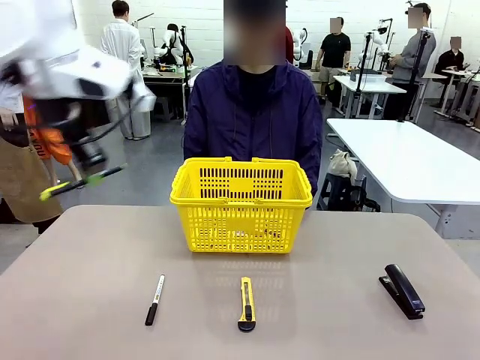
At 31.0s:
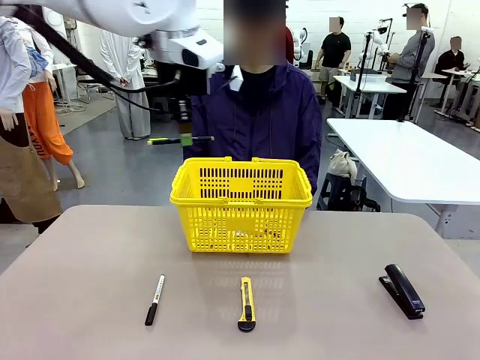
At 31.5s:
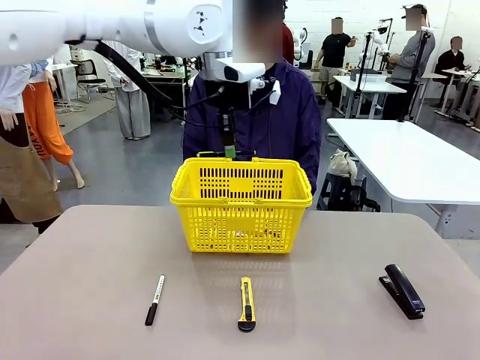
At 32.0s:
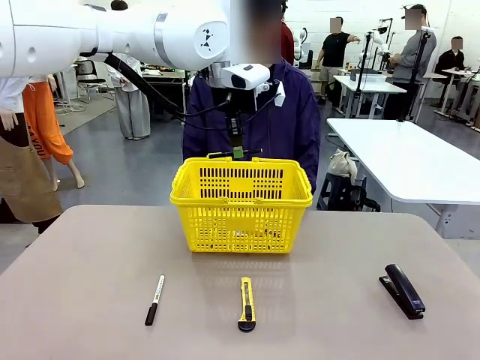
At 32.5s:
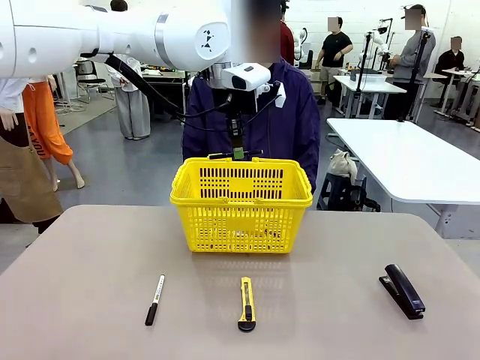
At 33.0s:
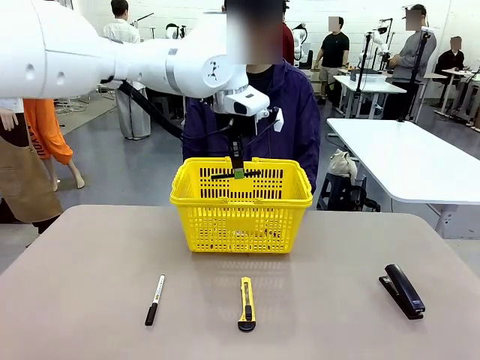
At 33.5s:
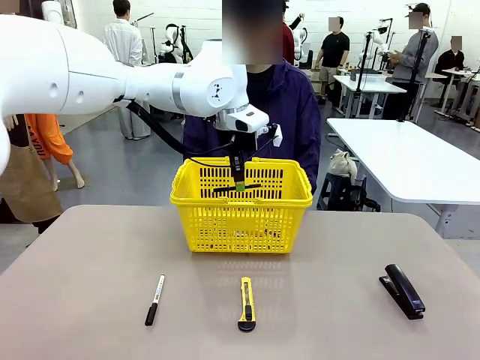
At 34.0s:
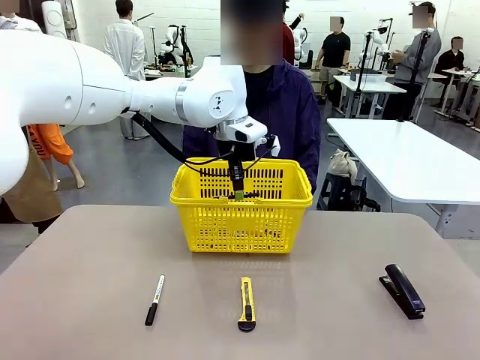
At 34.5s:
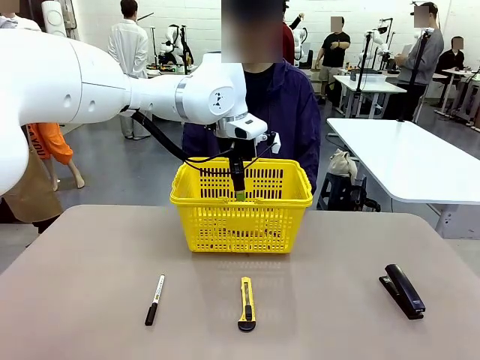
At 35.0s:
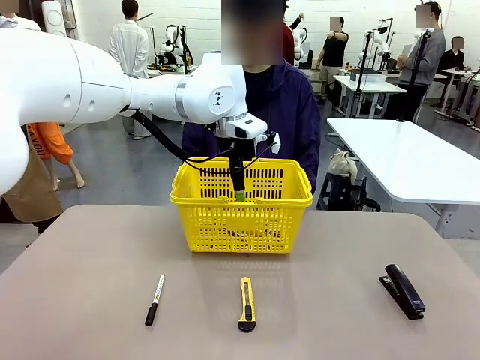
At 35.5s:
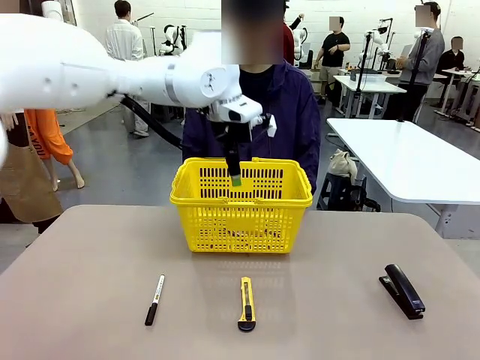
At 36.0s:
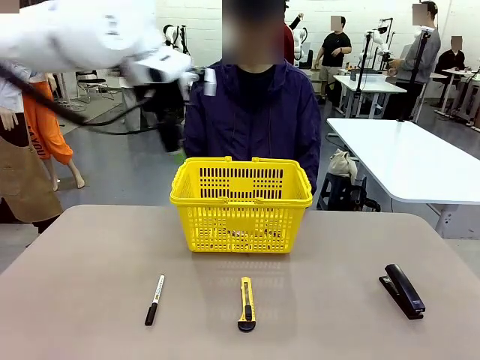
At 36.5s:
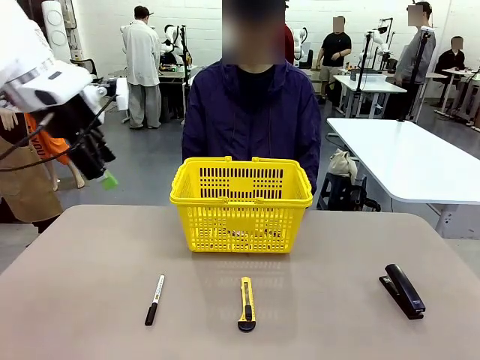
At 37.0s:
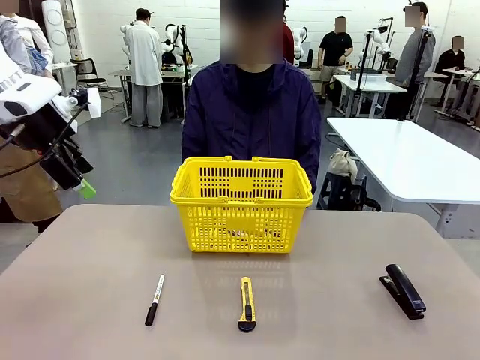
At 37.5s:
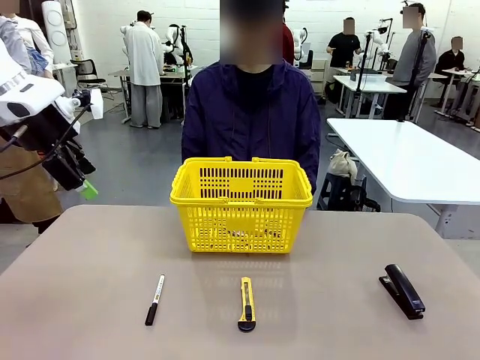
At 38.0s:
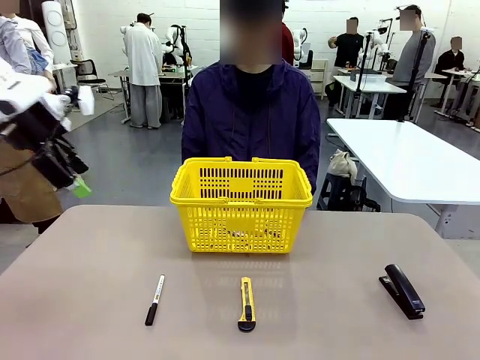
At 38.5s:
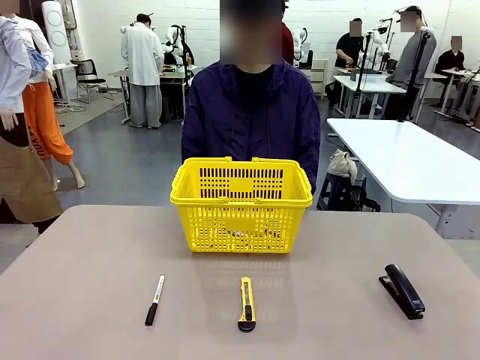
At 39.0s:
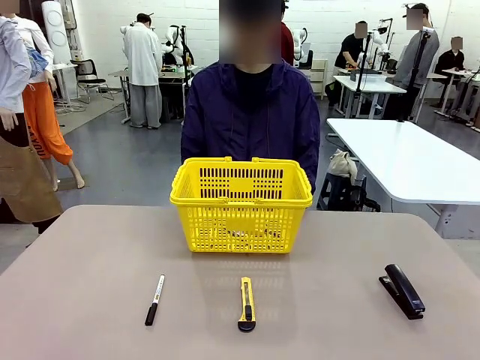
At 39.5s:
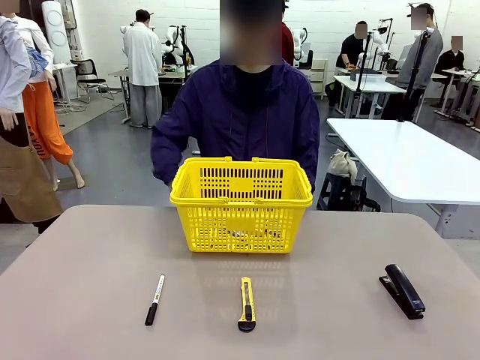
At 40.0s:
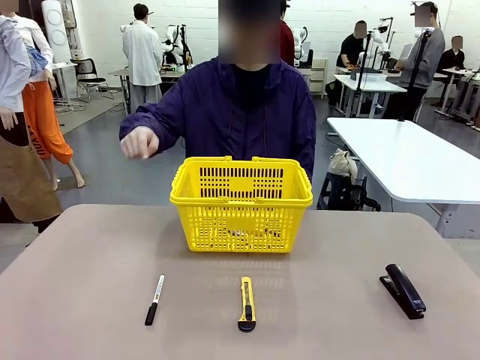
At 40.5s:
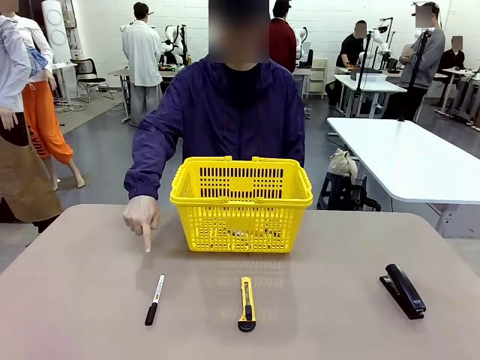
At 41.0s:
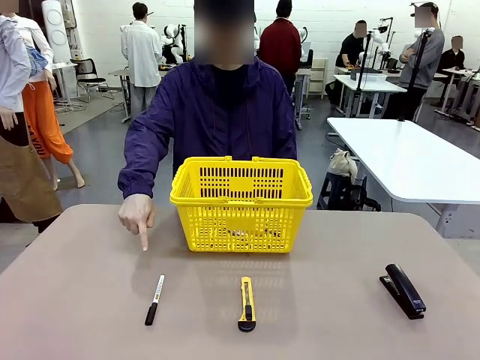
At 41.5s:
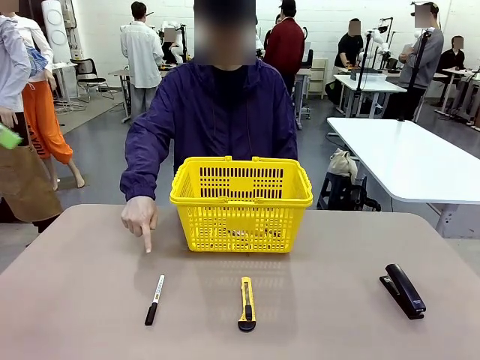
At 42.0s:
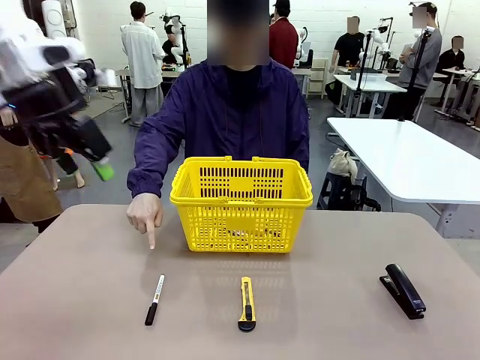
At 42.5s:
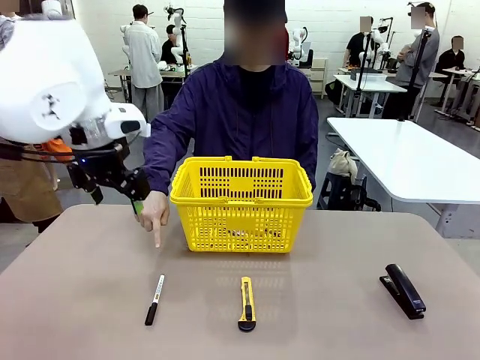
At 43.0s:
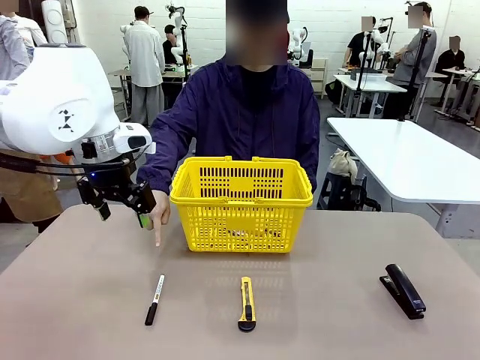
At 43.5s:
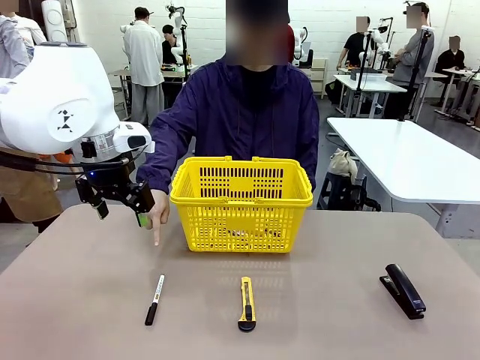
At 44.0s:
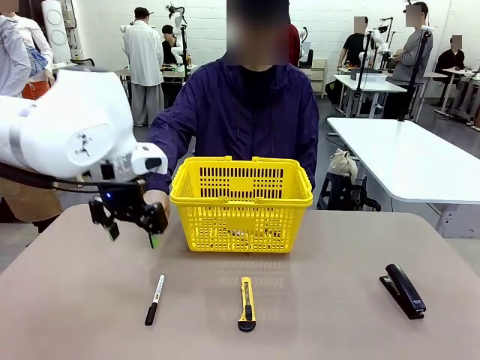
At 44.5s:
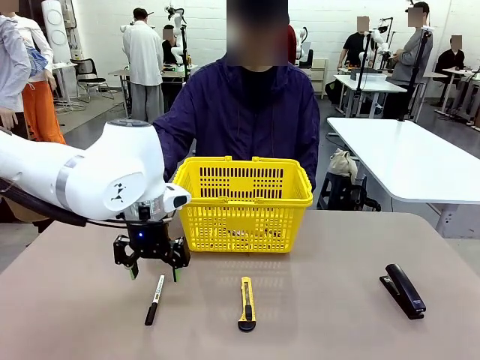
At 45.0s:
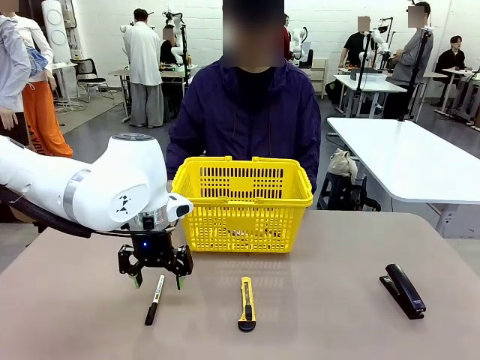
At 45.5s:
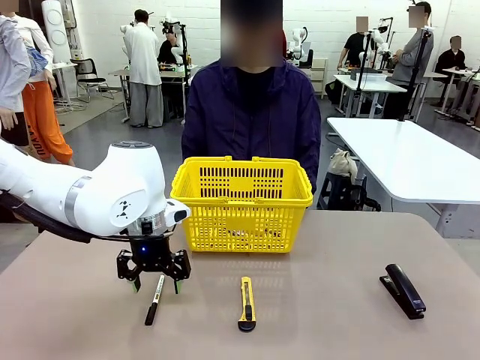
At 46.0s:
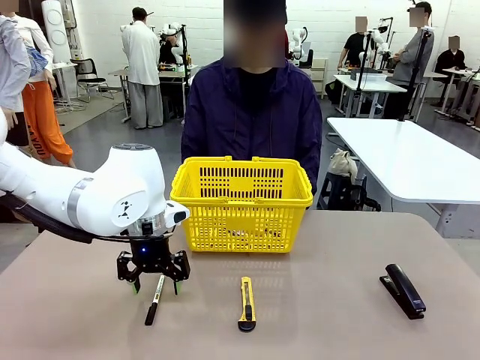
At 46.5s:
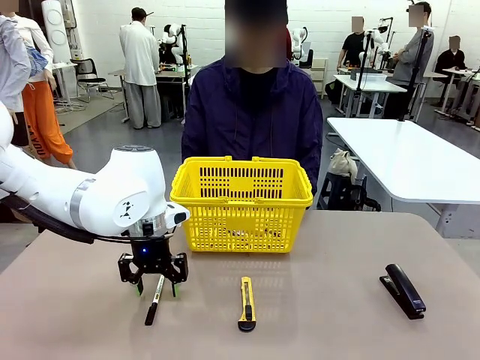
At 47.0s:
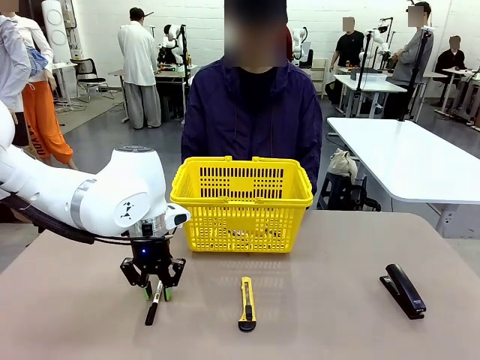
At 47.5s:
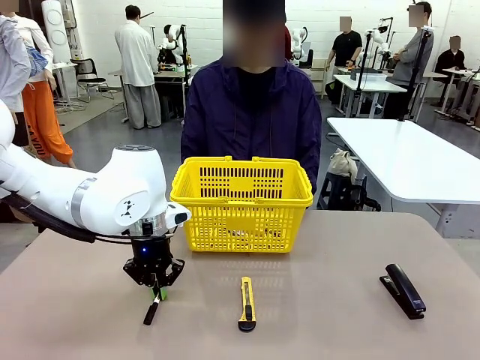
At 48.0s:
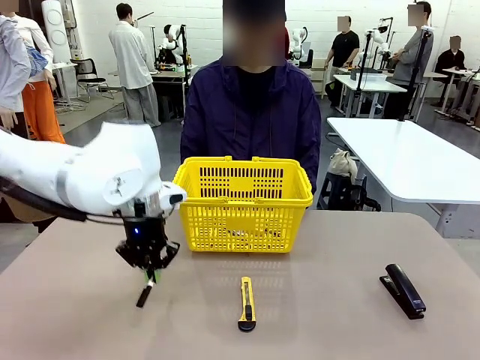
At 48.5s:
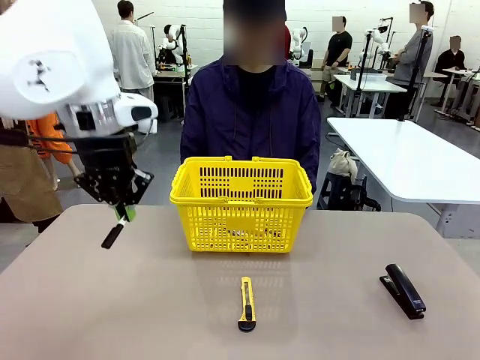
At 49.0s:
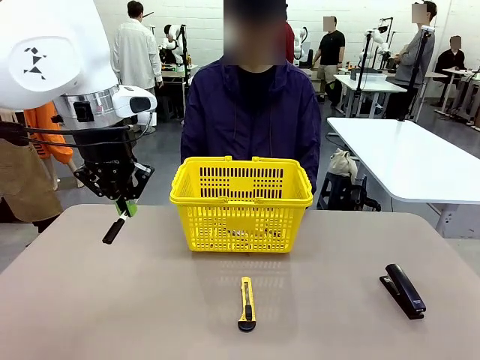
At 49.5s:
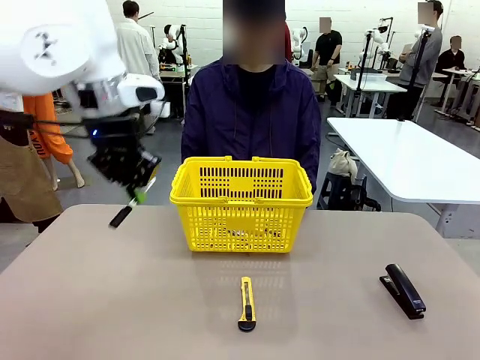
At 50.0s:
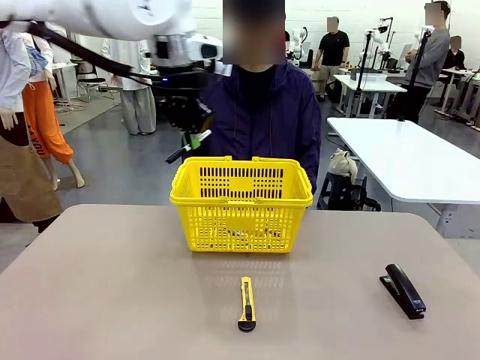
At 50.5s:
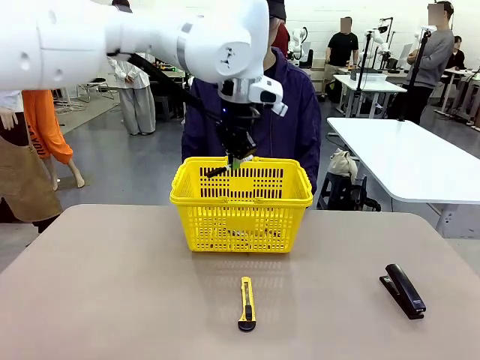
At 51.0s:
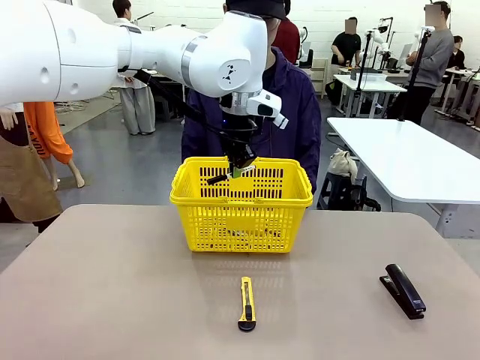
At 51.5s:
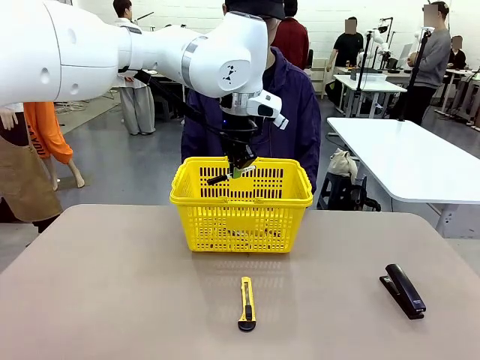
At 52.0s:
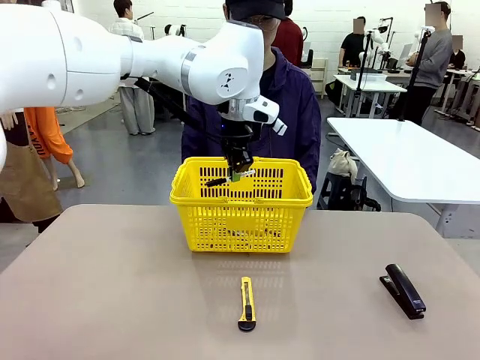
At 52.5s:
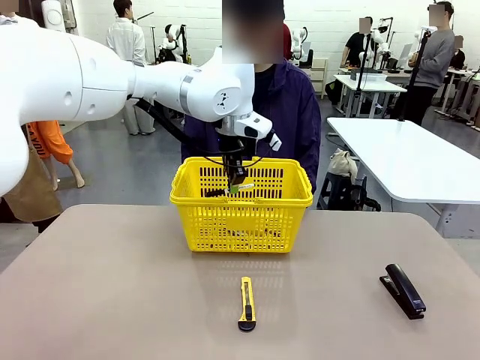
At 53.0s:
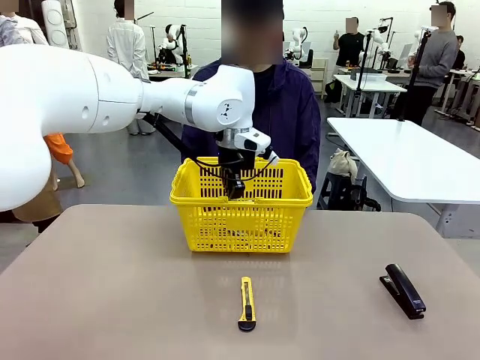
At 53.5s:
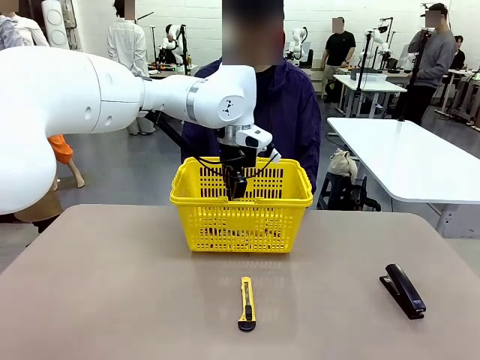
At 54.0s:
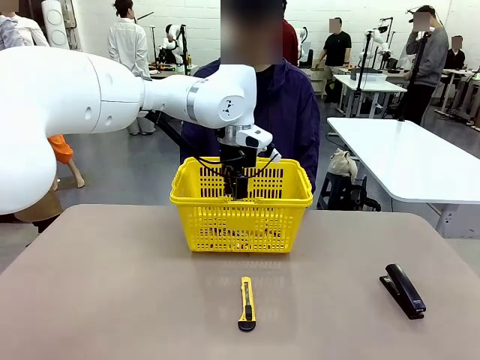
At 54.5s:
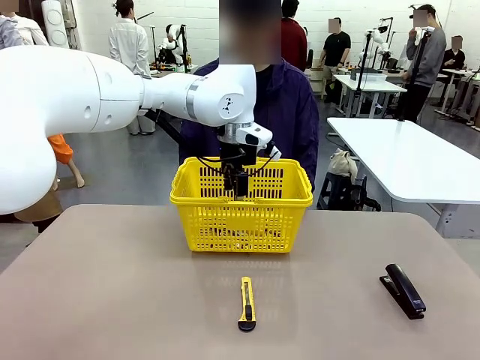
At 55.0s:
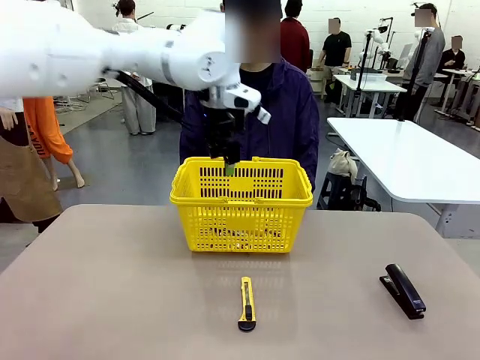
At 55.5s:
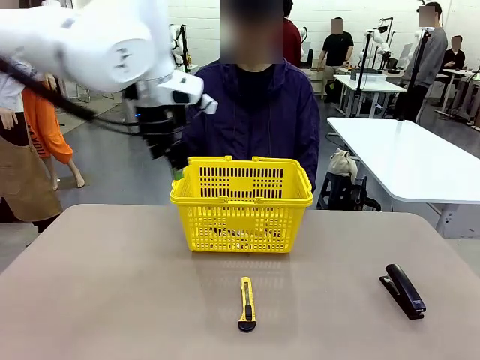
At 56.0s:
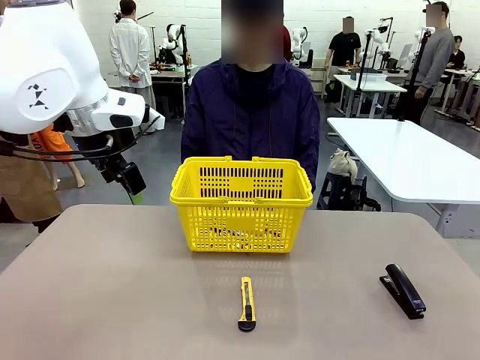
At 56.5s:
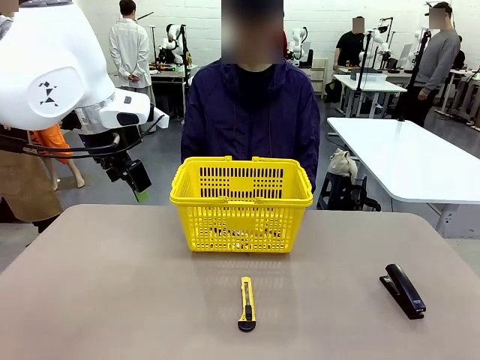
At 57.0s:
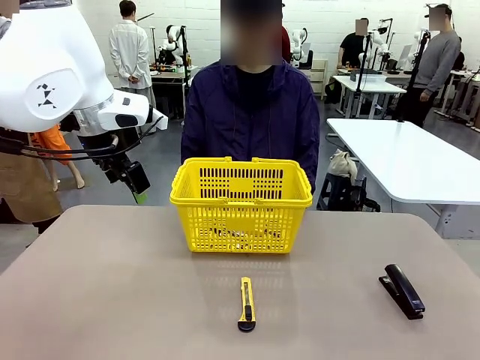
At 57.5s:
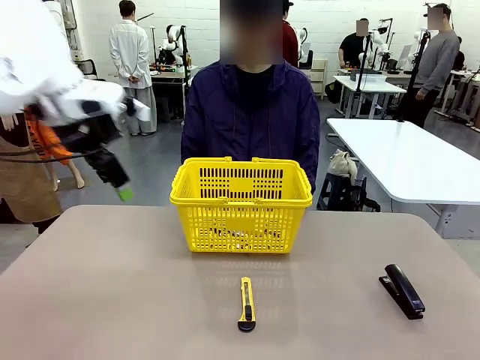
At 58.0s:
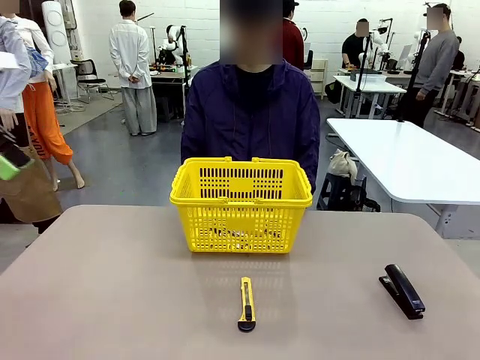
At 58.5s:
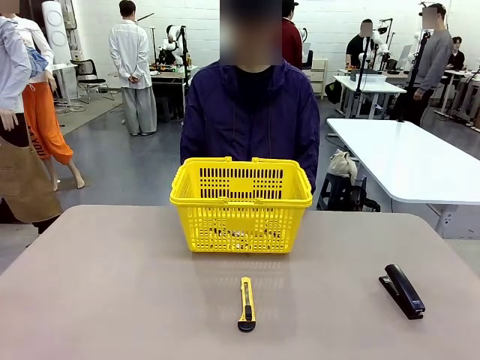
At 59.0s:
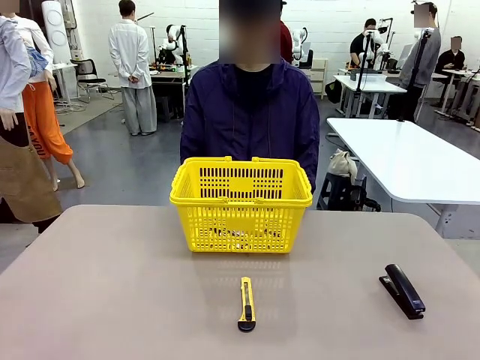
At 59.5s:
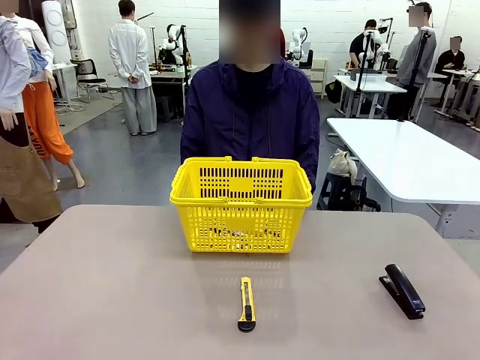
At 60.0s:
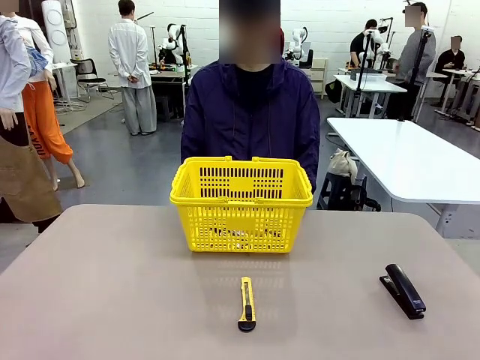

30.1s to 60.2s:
Task: Place the items the person wants into the basket.
Robot: Pick up the item the person points to and place it in the Market Basket.
